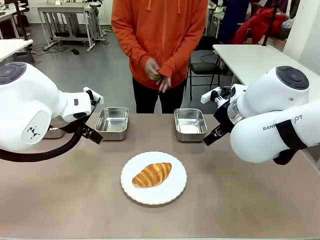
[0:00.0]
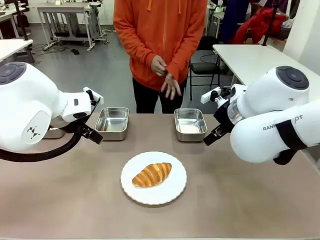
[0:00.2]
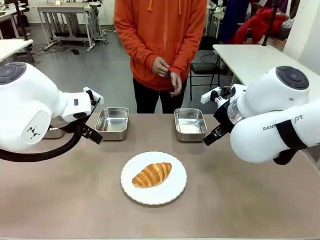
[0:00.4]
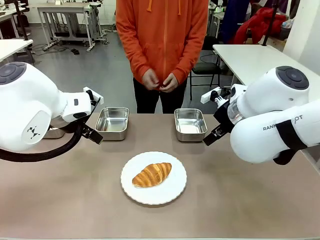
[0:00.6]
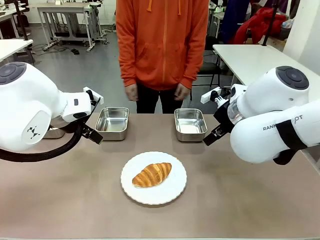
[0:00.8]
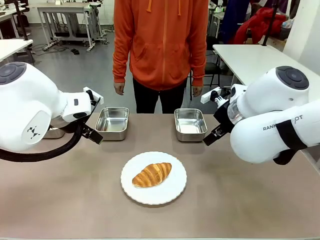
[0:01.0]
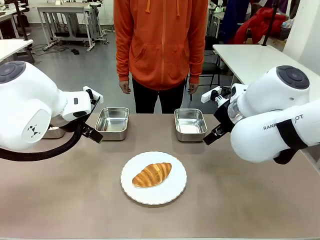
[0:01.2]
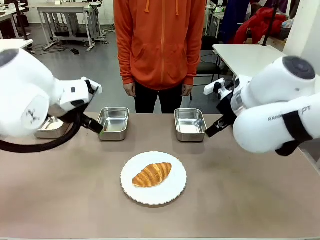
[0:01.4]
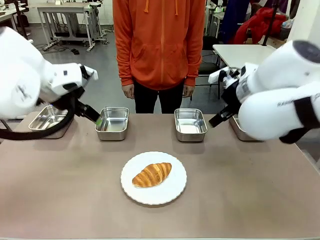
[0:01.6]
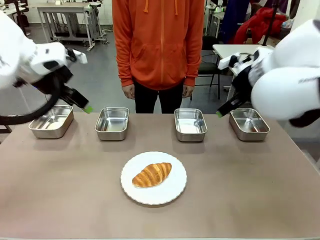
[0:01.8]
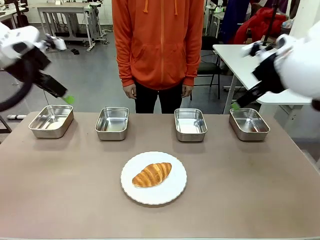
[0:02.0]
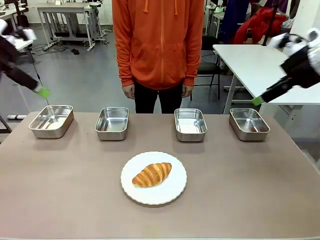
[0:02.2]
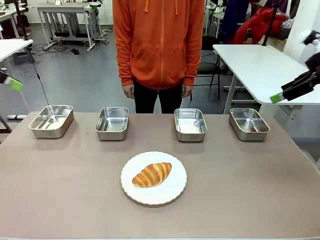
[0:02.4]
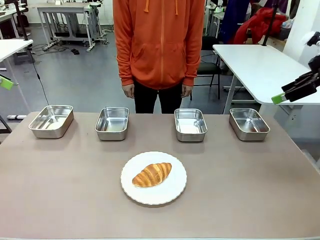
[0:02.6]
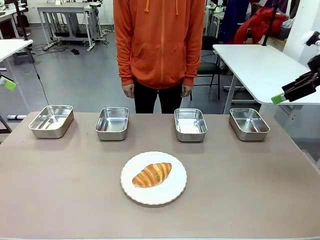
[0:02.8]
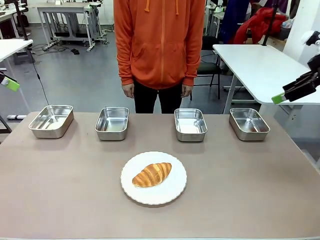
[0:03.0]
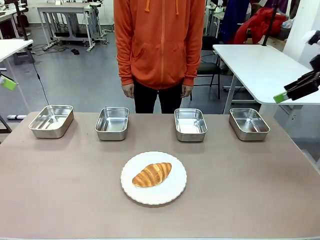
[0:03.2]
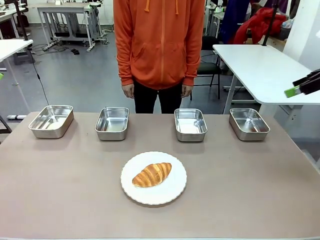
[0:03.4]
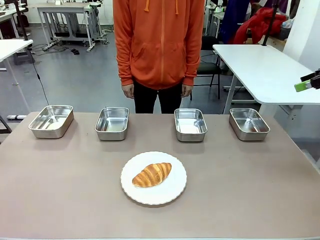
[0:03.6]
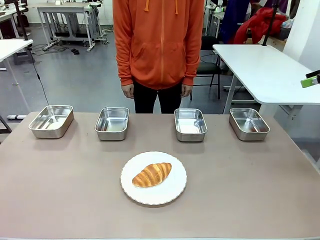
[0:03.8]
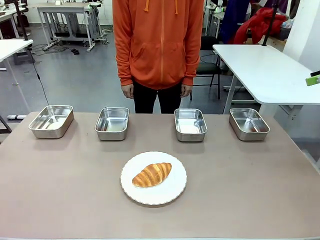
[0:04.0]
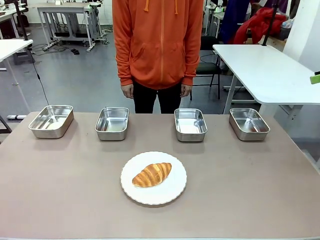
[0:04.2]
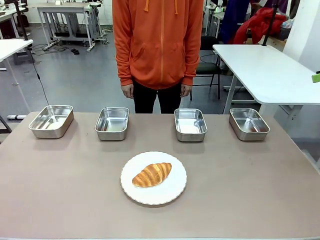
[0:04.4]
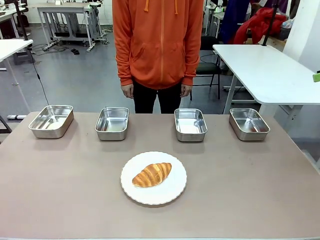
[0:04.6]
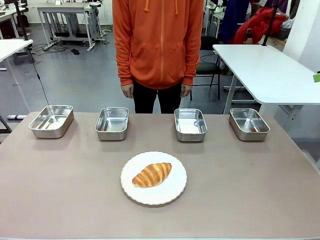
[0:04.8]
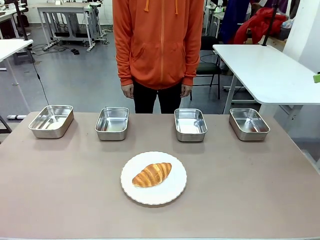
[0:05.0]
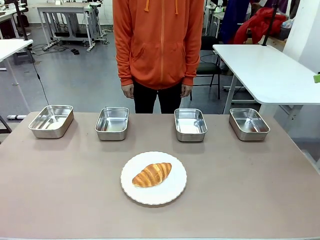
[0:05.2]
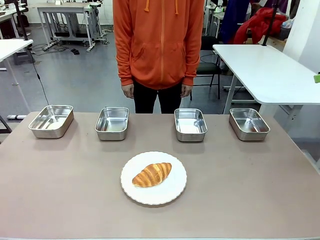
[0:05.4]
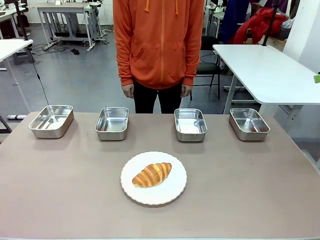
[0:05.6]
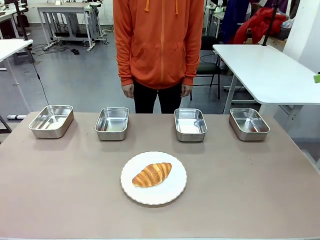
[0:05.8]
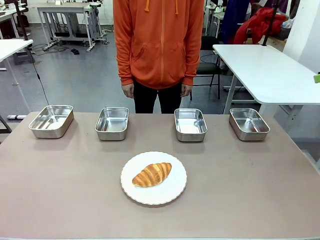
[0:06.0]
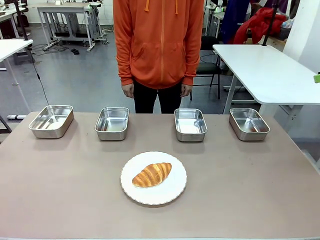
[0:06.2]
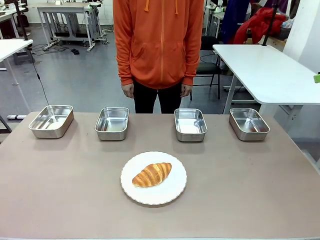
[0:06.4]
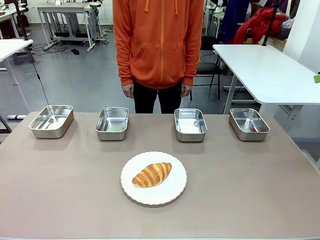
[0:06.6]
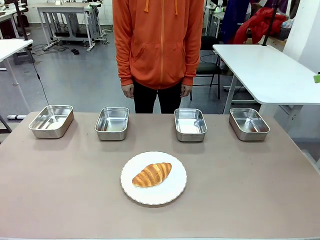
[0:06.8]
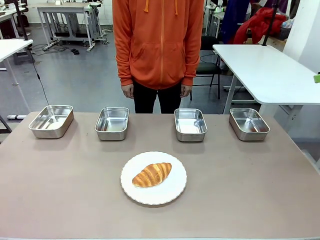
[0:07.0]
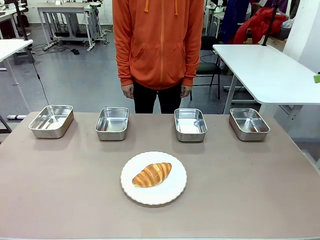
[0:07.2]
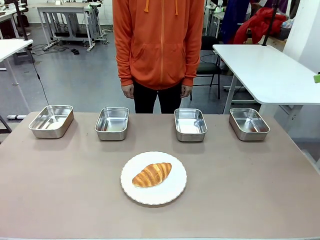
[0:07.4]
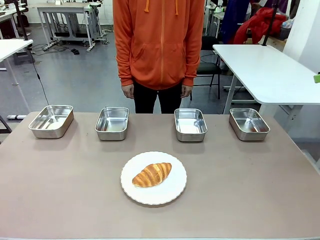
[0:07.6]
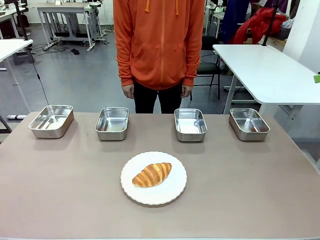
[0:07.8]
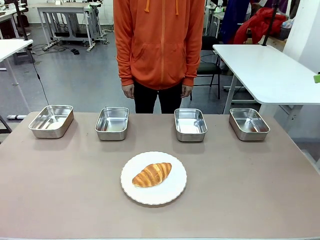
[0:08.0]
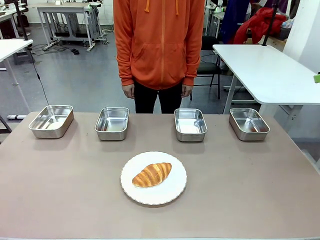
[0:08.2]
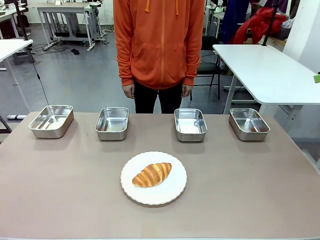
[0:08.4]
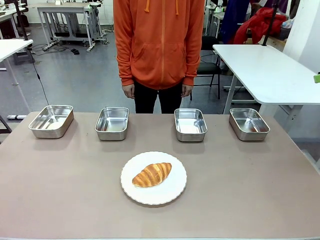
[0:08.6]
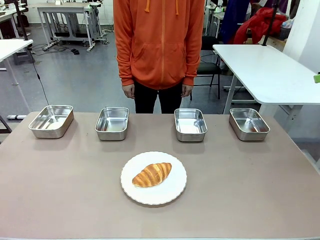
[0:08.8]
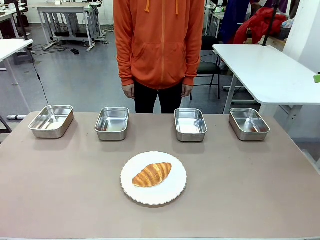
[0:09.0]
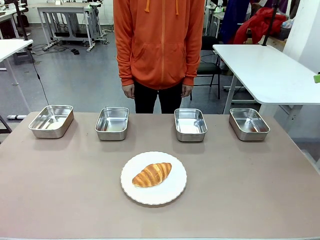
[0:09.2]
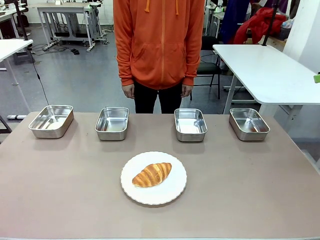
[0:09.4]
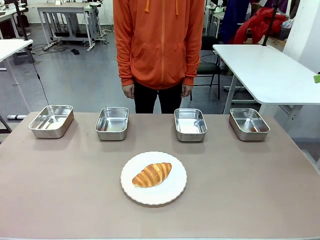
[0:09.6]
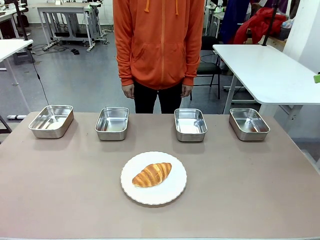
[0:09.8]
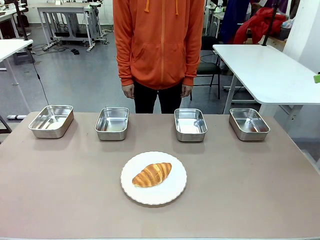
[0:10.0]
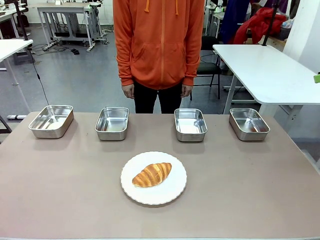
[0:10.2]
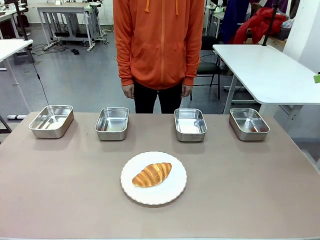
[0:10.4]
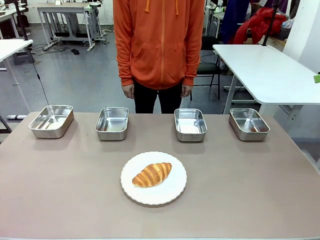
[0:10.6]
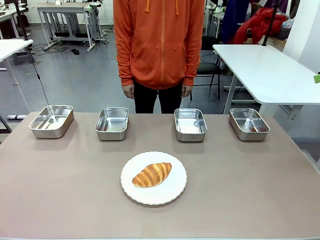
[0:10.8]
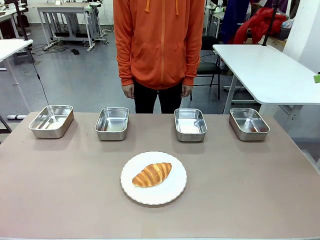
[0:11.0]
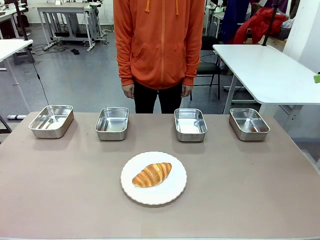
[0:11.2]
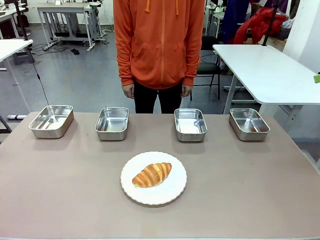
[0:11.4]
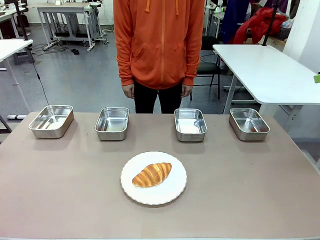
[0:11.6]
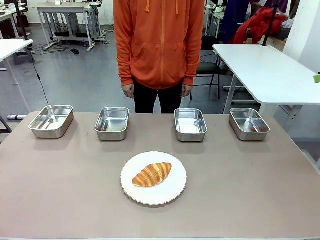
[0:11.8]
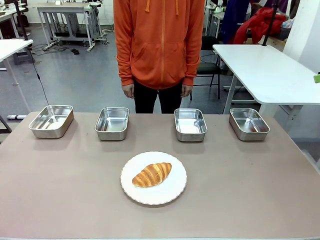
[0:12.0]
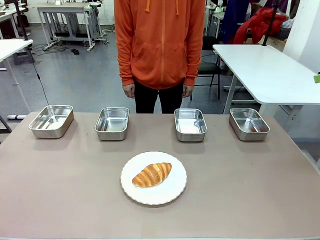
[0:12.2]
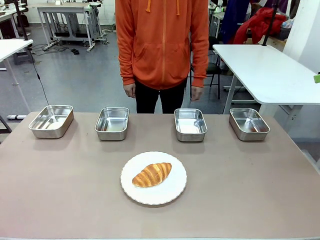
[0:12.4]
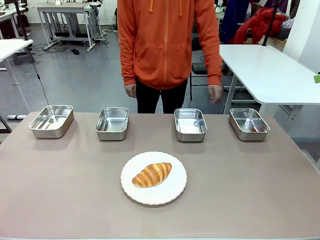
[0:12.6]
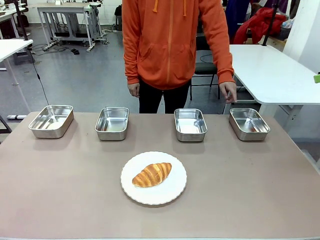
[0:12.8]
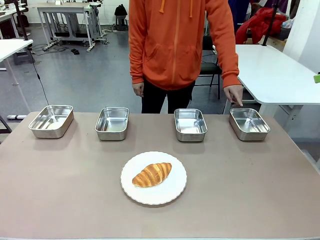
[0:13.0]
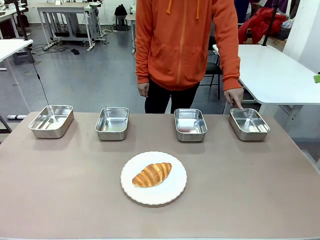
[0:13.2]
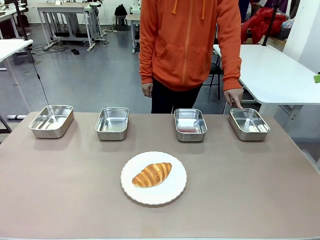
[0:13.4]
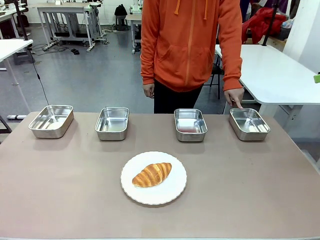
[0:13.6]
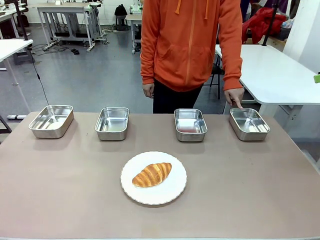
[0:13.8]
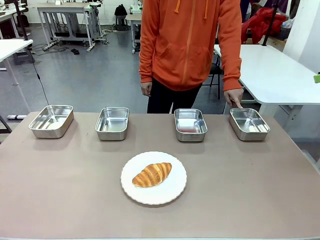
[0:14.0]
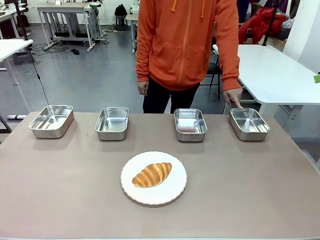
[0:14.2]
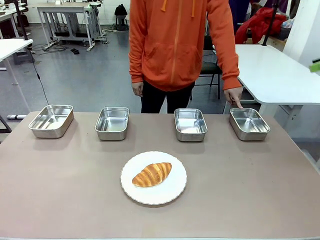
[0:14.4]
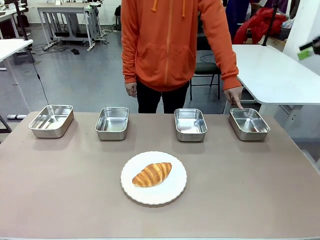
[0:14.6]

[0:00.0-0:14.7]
Task: Place the bread in the container.
Robot: Place the Butter Roll into the Airtight Container indicated by the human.
